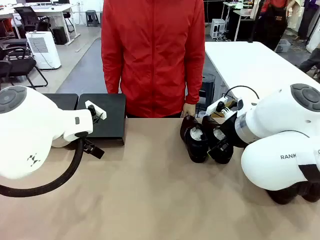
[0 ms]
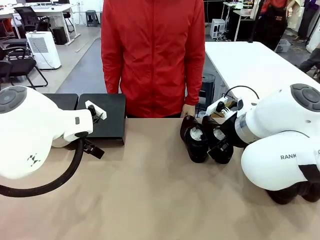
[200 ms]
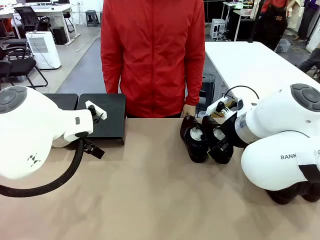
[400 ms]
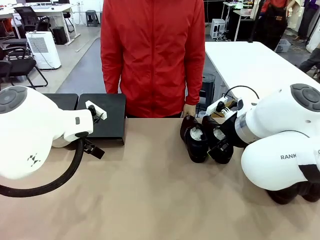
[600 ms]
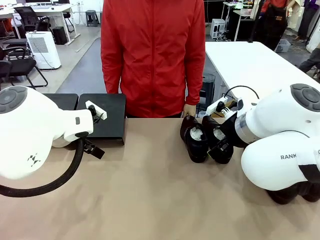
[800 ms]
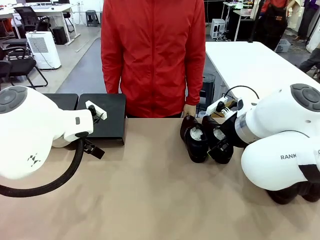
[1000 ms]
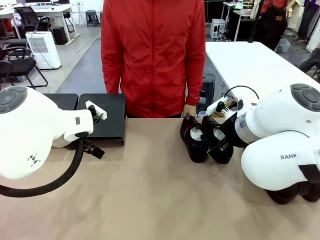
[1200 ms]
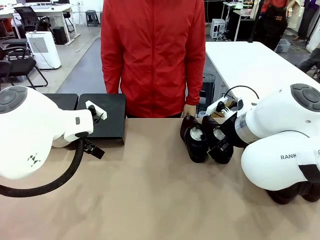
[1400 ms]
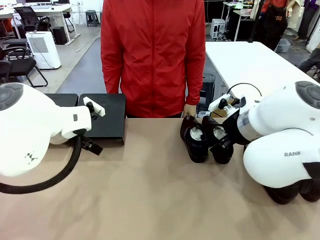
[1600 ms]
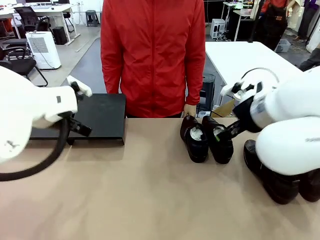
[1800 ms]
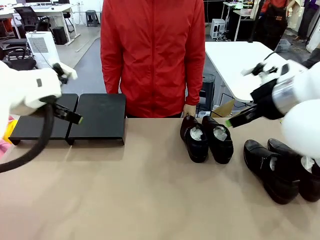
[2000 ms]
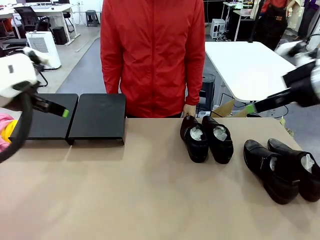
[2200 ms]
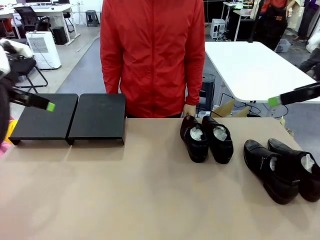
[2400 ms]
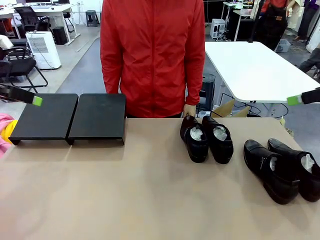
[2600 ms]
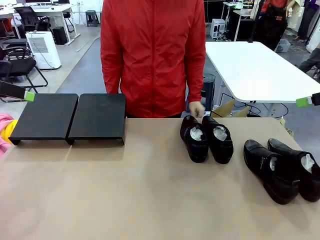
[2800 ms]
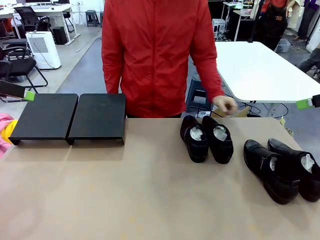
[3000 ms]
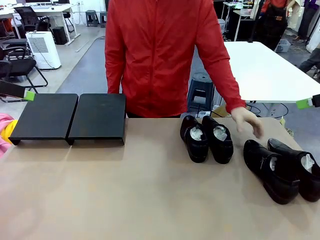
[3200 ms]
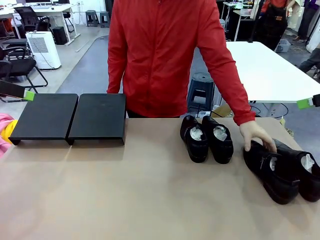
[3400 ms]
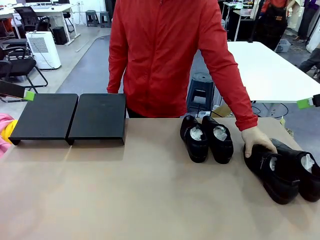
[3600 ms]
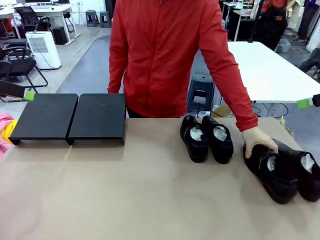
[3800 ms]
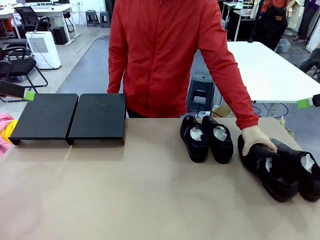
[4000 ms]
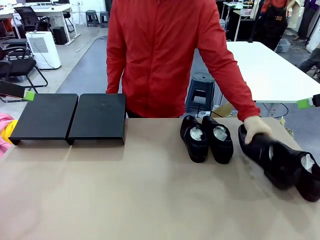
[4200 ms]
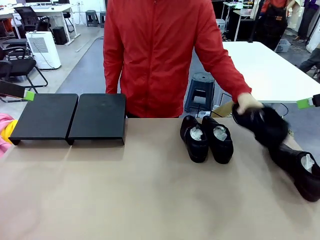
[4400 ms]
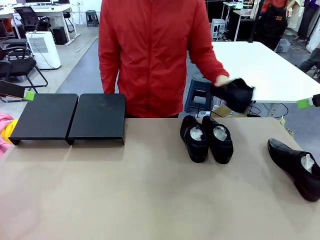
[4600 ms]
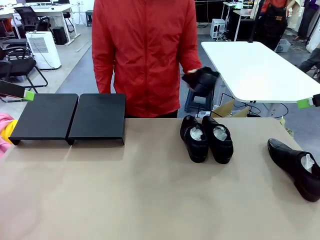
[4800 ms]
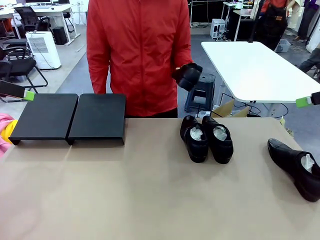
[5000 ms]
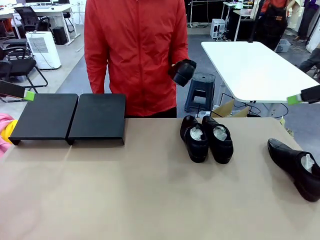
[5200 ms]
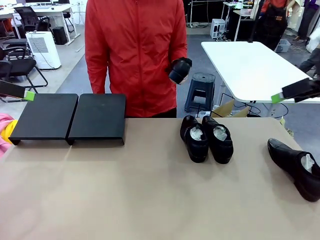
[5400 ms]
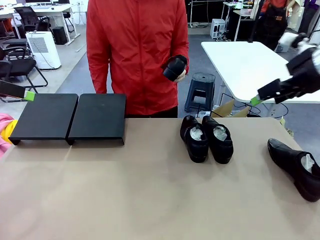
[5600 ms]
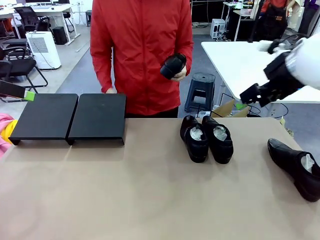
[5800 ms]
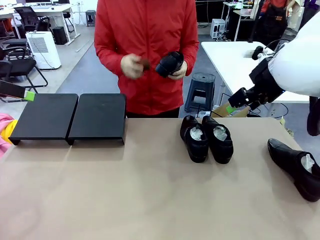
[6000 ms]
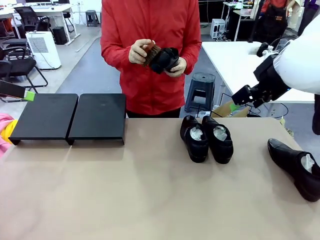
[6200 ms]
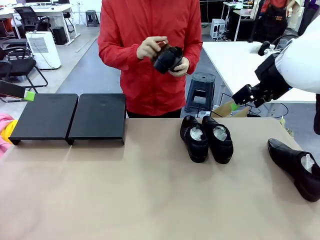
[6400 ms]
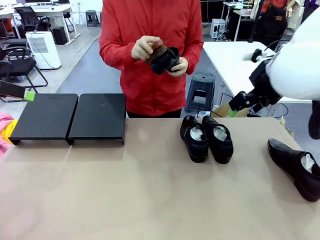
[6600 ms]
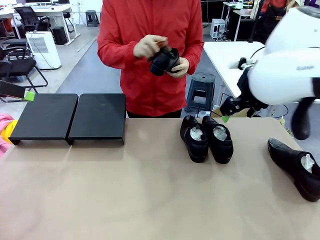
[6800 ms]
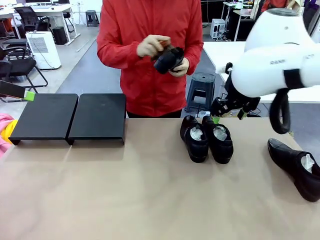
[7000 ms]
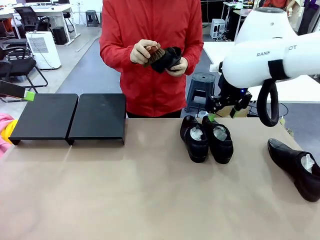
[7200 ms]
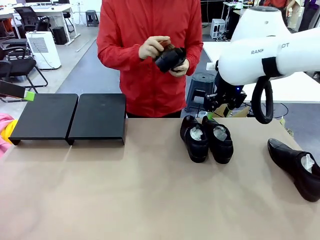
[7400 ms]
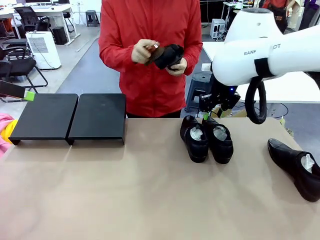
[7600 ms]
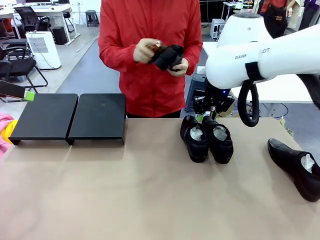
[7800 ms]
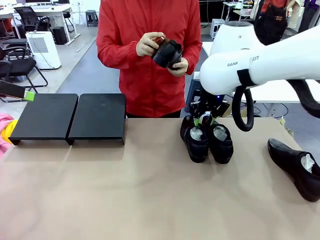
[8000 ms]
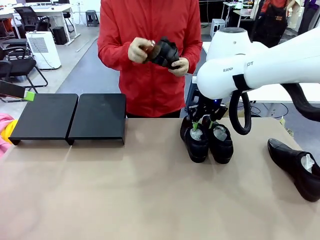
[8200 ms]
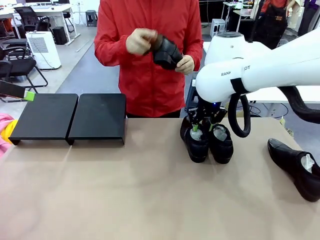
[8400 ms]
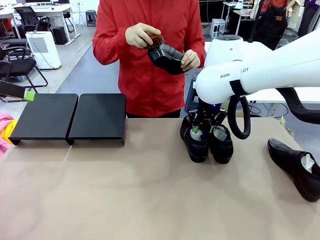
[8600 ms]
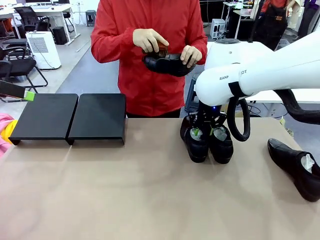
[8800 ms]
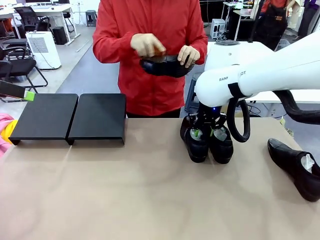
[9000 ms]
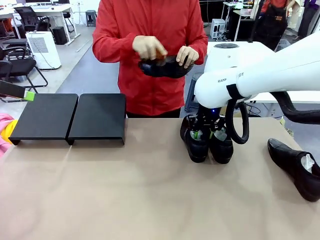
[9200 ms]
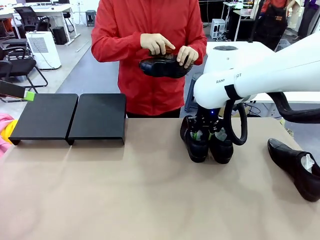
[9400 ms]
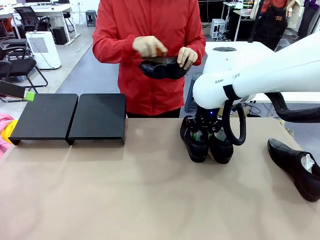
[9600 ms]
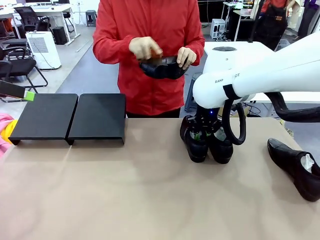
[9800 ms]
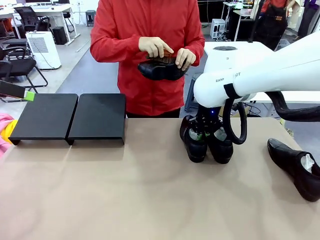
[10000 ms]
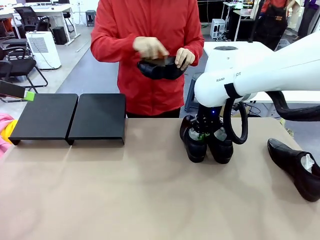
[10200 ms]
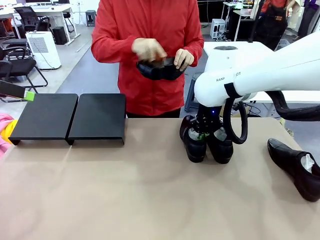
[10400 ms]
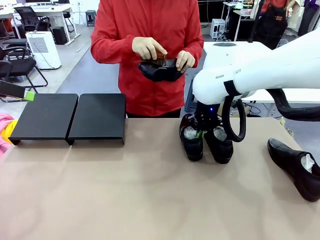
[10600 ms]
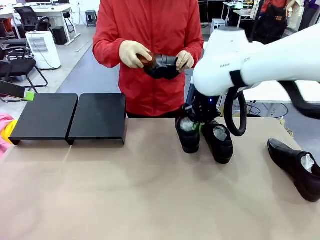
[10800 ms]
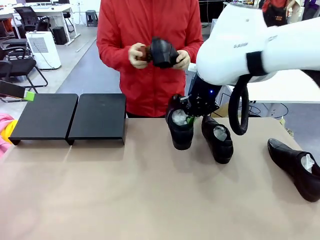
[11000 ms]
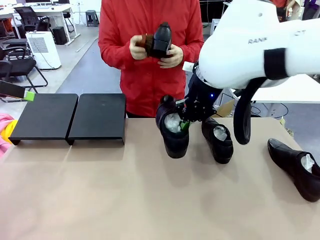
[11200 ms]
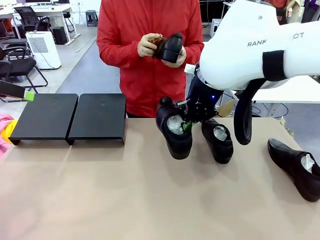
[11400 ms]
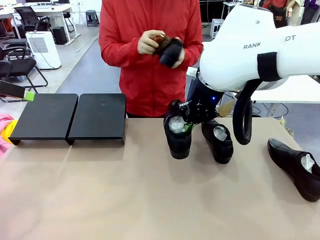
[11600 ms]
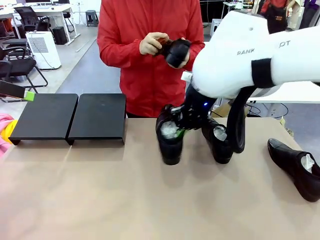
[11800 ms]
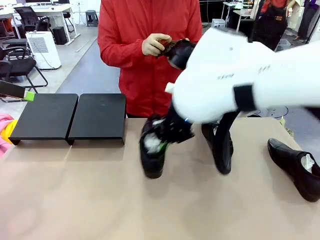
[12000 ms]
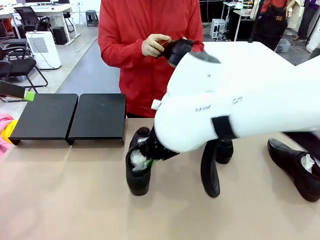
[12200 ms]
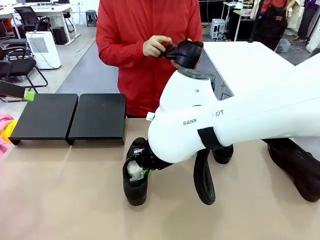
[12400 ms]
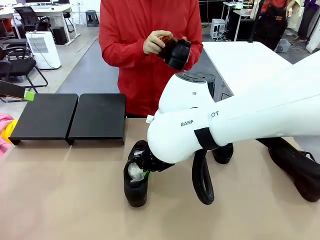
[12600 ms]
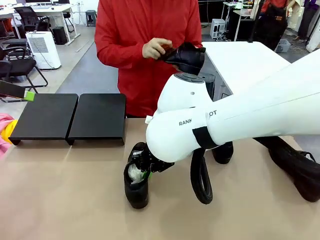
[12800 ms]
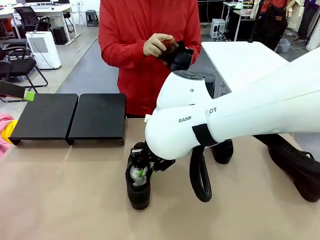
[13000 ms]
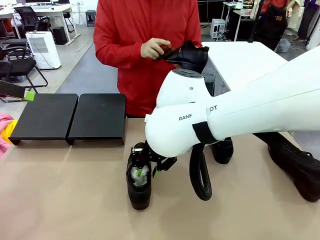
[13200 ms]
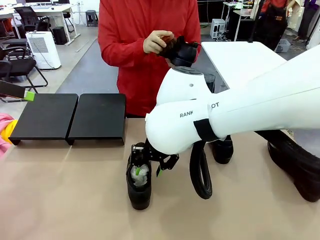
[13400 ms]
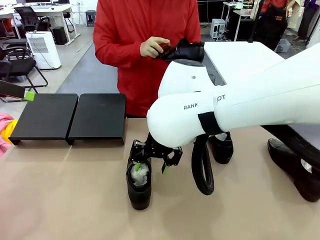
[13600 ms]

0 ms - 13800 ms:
Task: Organize the shoes by placing them on the stand.
Robot: Pick up one Shoe and place it in the middle of the table.
Person: Pick one Shoe on Robot's table. Clean the Shoe with the Shoe Brush.

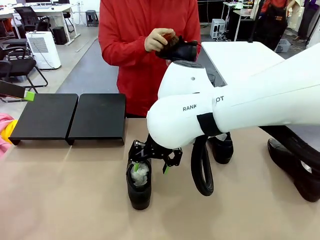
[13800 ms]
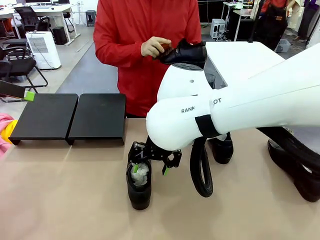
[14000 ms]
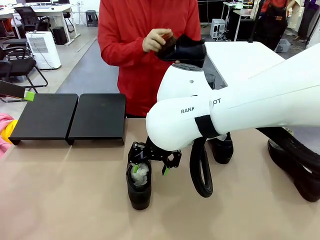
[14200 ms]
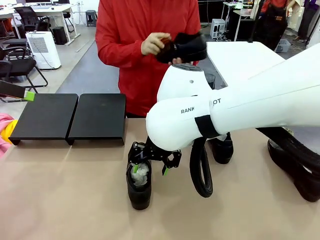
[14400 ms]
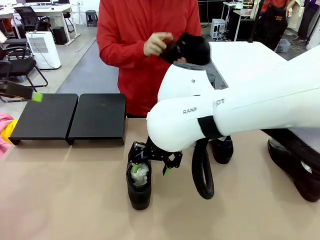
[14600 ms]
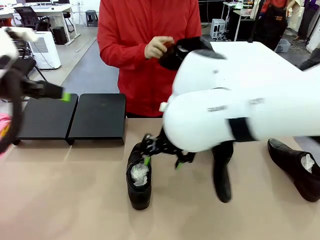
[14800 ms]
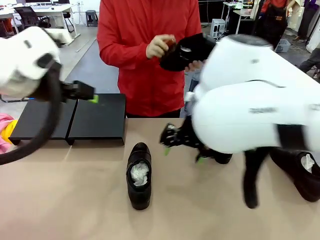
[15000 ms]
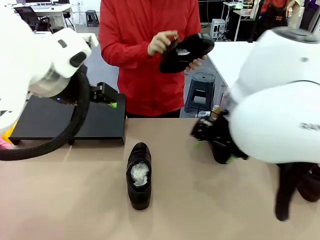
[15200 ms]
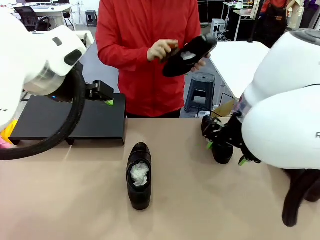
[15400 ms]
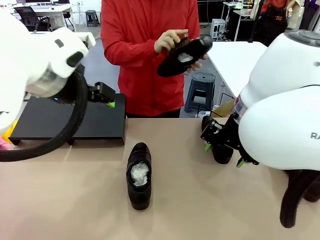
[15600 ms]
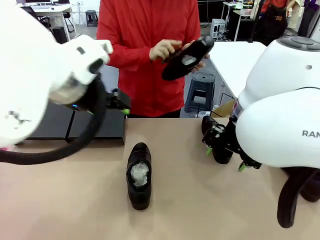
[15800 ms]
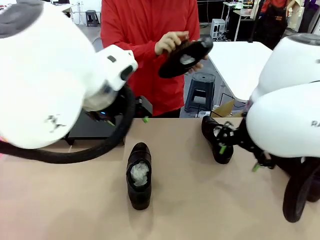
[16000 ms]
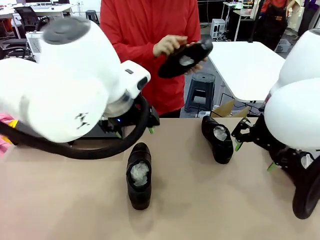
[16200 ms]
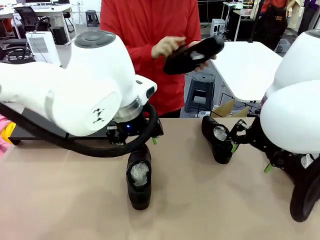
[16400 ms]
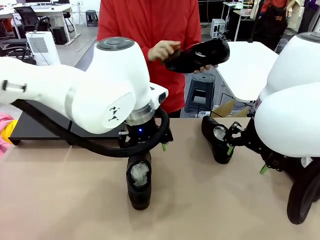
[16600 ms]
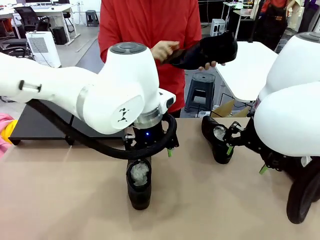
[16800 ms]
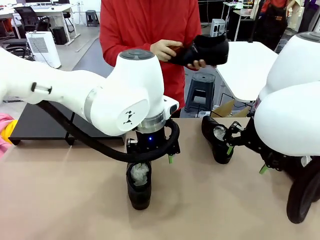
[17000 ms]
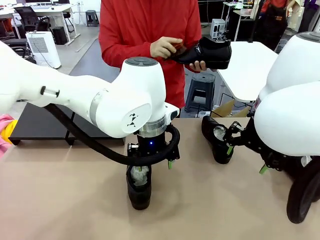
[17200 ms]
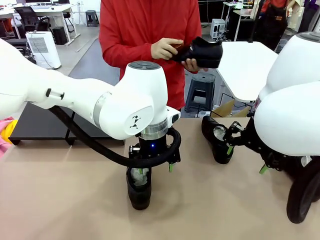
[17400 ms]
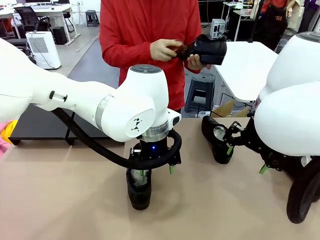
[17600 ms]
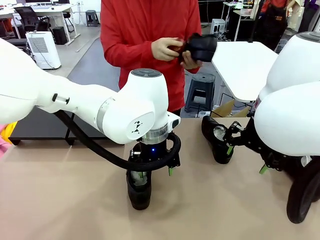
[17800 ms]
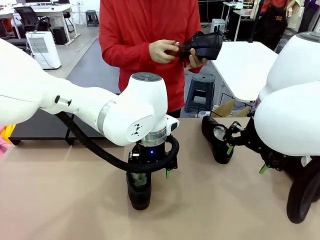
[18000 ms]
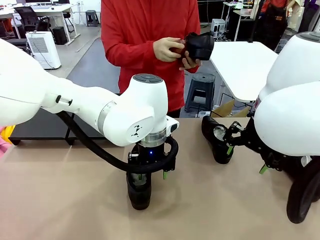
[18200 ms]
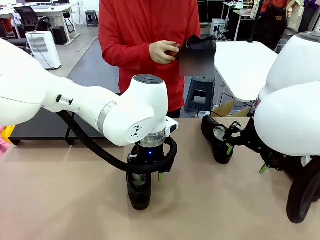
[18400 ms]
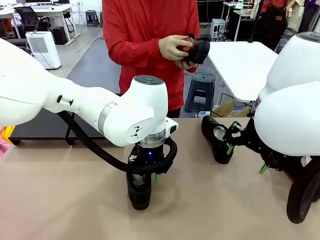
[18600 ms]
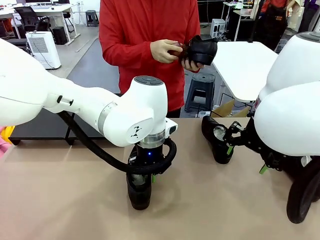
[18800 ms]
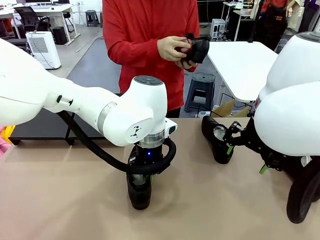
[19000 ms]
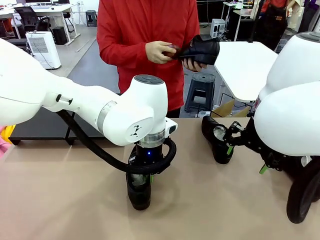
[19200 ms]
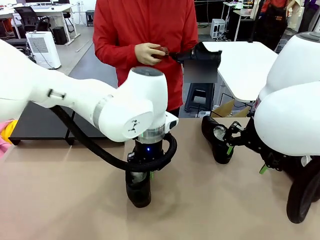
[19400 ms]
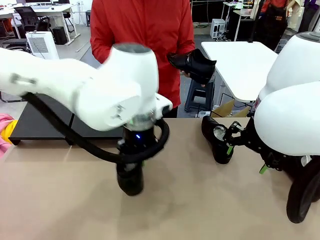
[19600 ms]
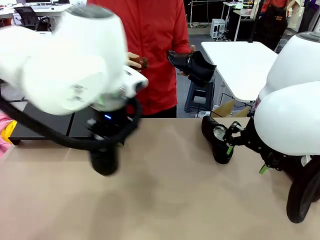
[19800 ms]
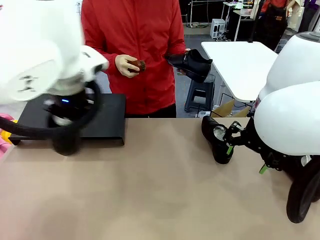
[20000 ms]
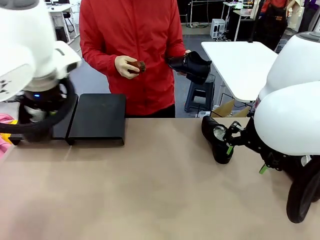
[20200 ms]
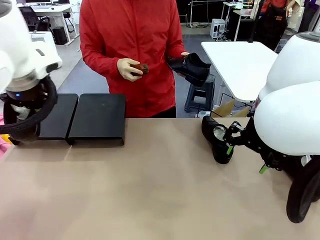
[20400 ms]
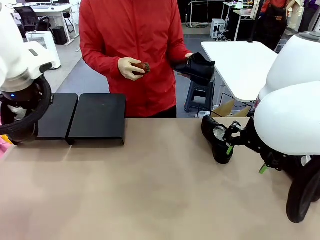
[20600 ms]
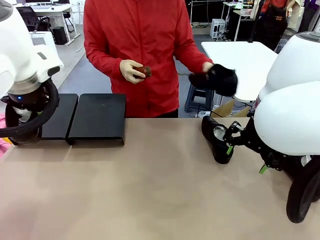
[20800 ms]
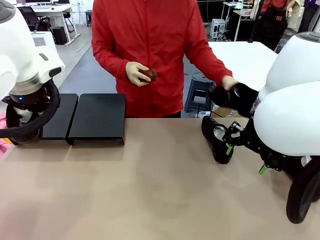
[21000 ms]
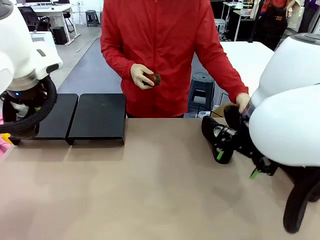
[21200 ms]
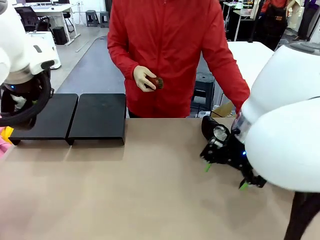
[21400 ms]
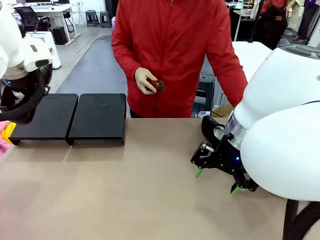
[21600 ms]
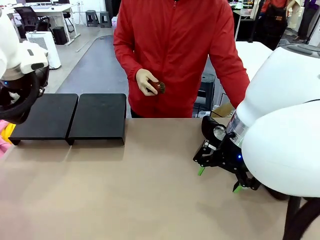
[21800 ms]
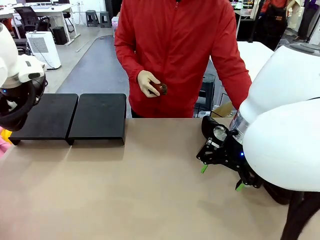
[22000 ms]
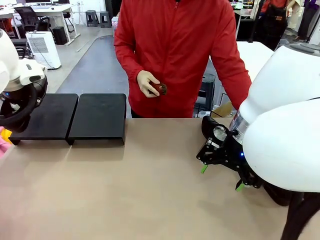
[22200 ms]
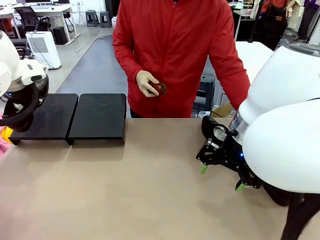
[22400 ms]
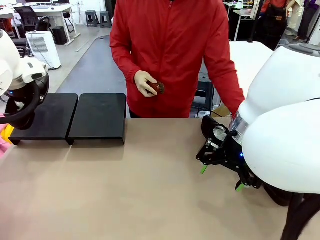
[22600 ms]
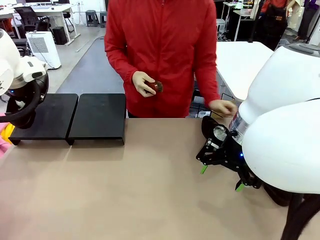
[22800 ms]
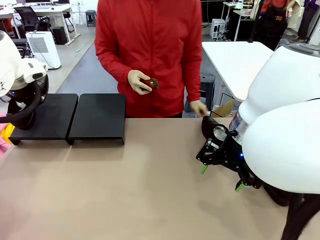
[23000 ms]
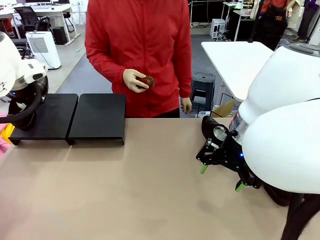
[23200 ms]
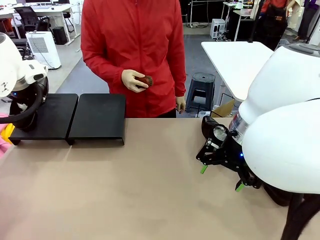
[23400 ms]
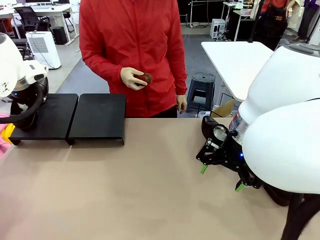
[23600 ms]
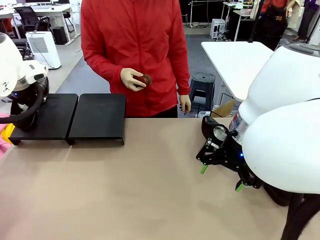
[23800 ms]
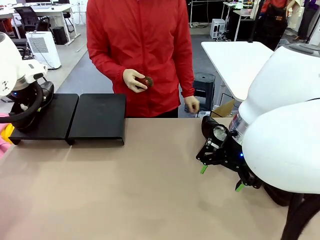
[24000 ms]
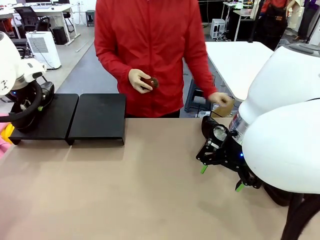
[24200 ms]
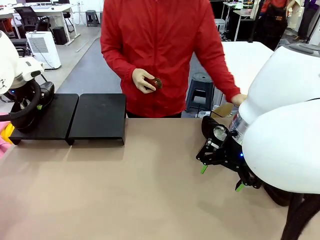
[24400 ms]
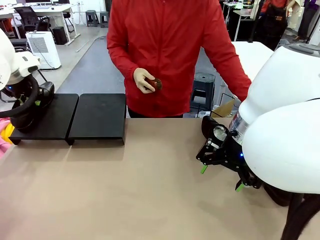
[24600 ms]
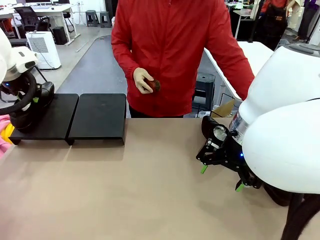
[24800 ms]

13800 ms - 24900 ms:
Robot: Place the Shoe from the middle of the table onto the Shoes Stand.
Person: Place the Shoe on left side of the Robot's table.
